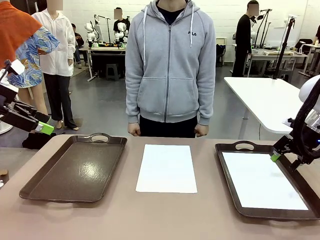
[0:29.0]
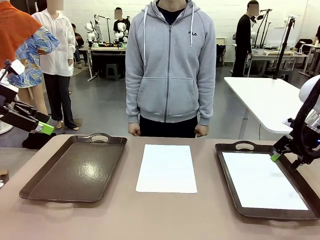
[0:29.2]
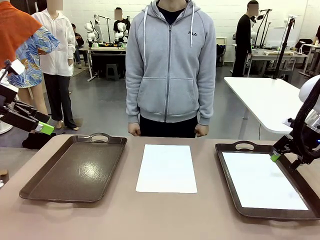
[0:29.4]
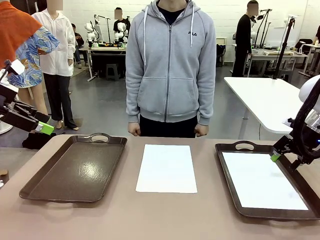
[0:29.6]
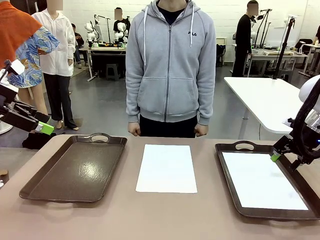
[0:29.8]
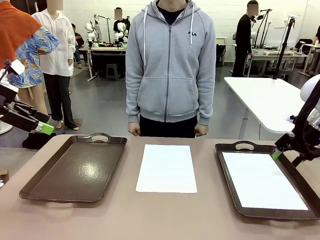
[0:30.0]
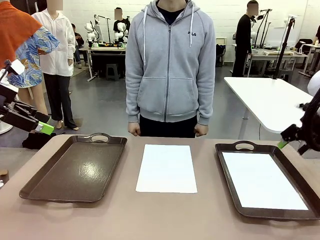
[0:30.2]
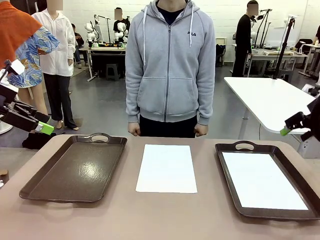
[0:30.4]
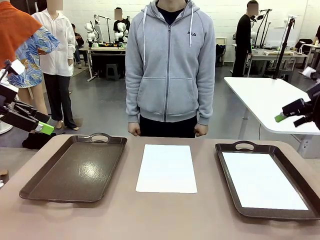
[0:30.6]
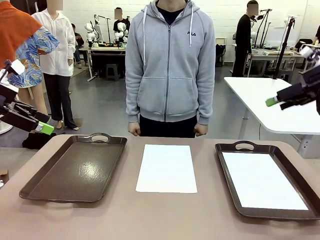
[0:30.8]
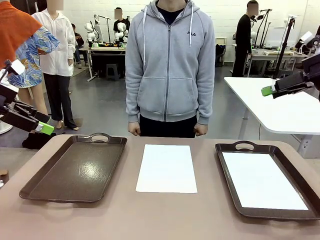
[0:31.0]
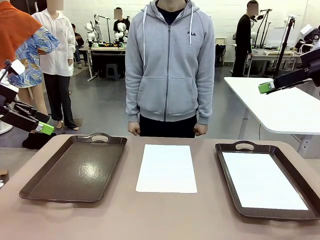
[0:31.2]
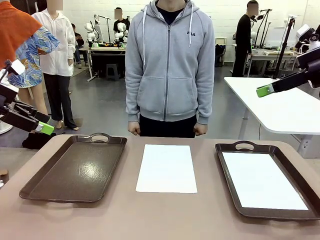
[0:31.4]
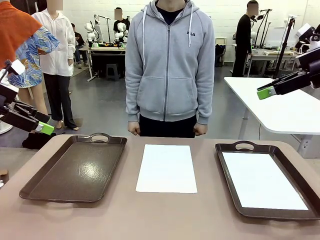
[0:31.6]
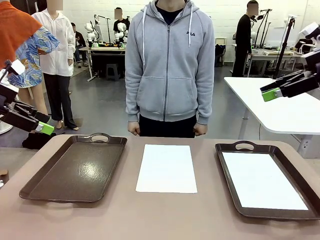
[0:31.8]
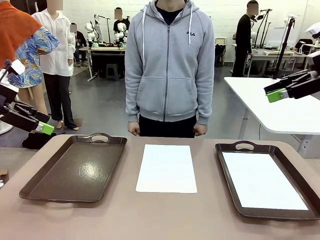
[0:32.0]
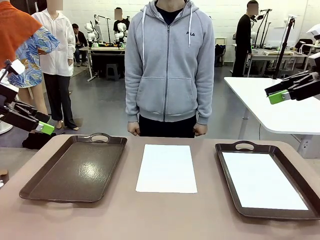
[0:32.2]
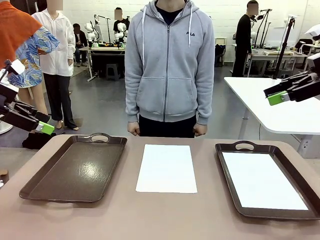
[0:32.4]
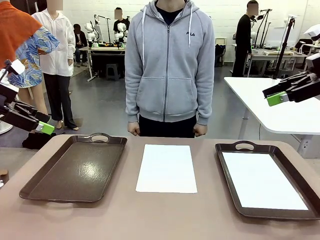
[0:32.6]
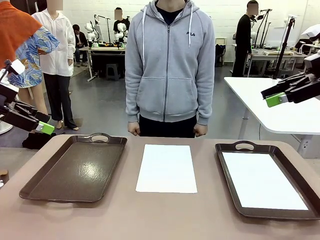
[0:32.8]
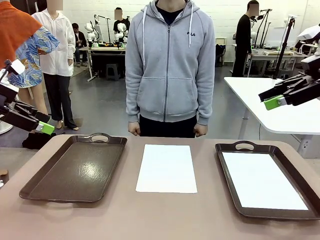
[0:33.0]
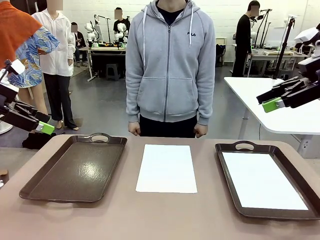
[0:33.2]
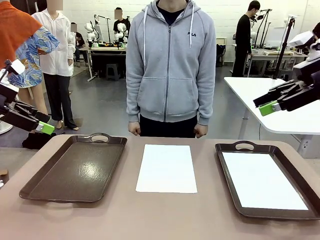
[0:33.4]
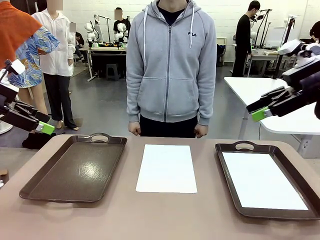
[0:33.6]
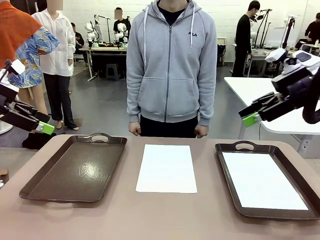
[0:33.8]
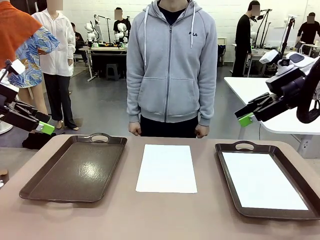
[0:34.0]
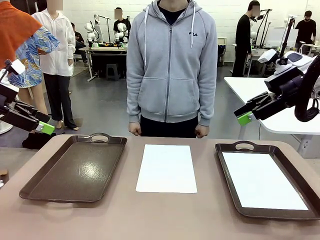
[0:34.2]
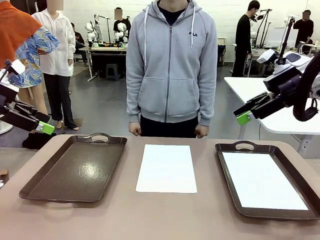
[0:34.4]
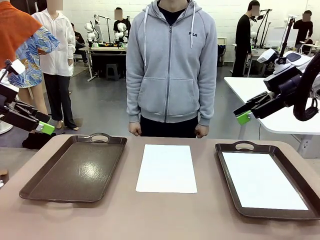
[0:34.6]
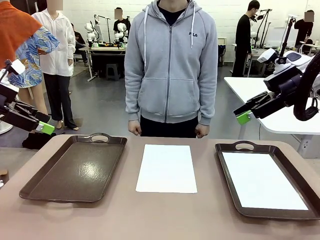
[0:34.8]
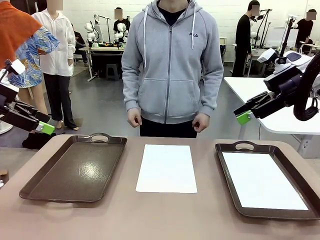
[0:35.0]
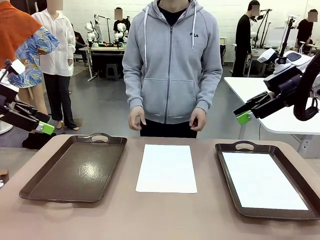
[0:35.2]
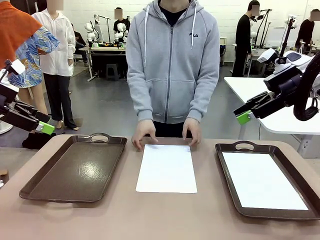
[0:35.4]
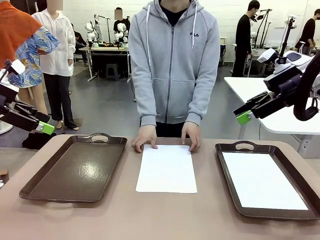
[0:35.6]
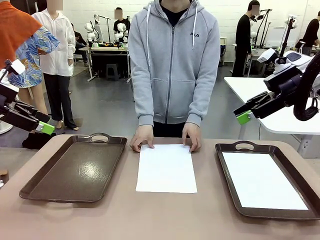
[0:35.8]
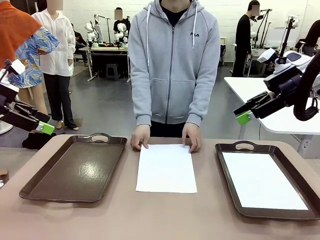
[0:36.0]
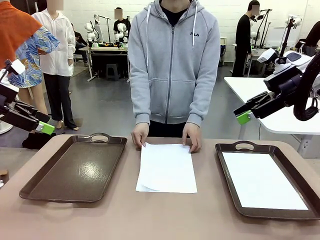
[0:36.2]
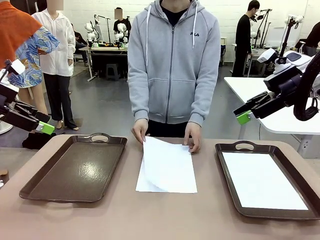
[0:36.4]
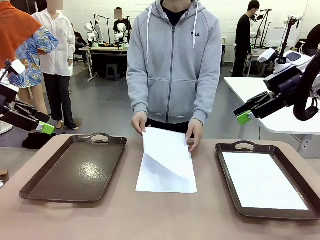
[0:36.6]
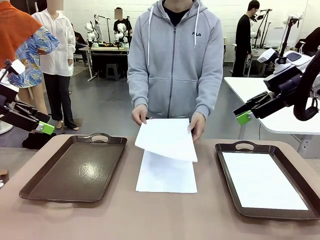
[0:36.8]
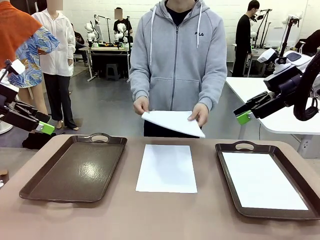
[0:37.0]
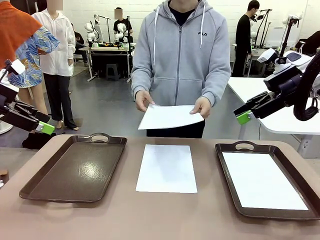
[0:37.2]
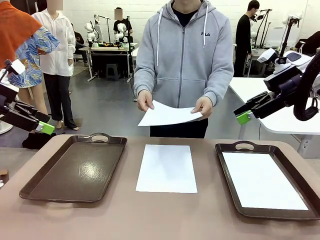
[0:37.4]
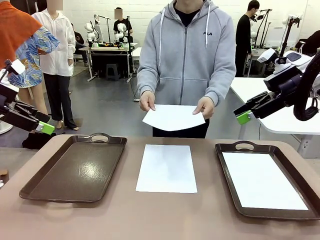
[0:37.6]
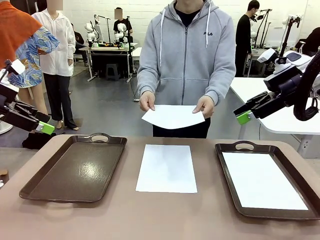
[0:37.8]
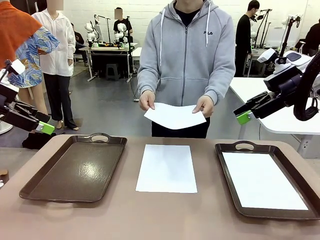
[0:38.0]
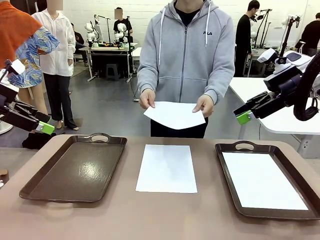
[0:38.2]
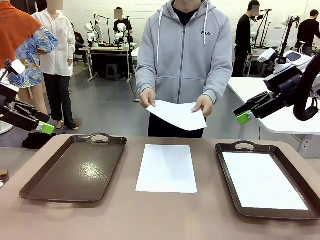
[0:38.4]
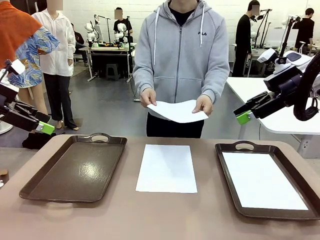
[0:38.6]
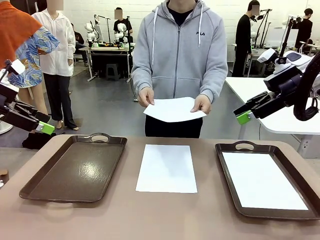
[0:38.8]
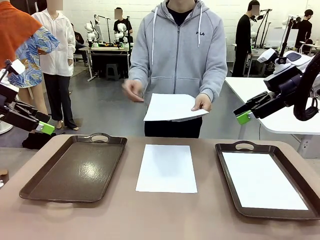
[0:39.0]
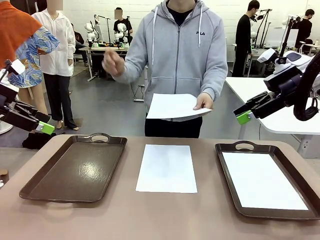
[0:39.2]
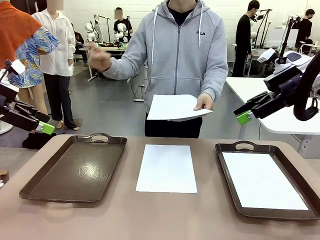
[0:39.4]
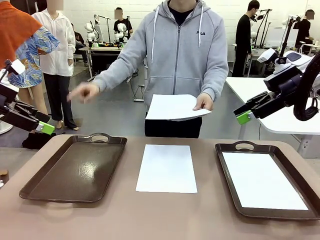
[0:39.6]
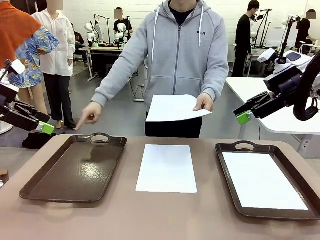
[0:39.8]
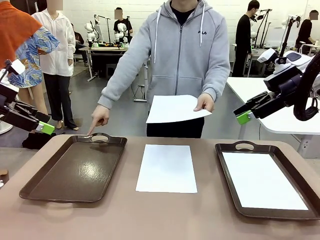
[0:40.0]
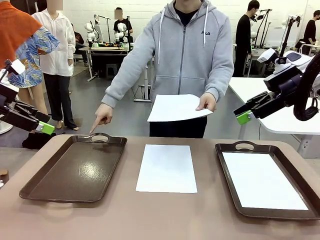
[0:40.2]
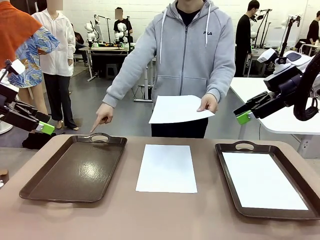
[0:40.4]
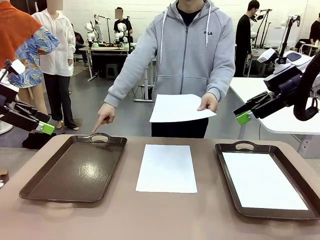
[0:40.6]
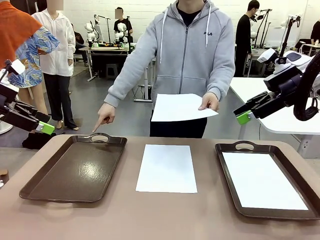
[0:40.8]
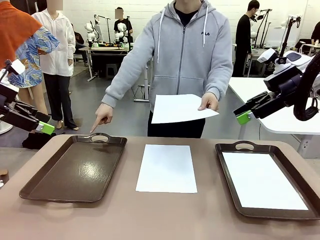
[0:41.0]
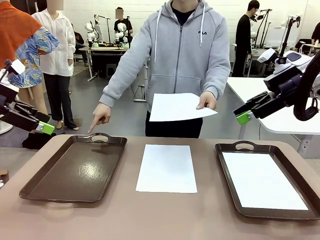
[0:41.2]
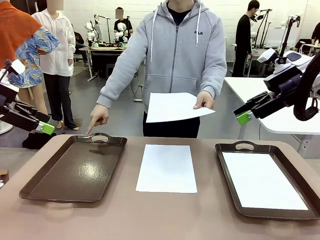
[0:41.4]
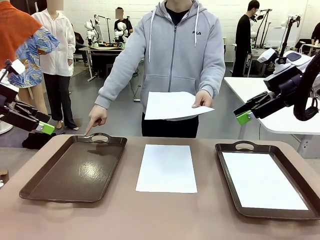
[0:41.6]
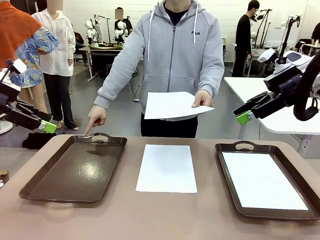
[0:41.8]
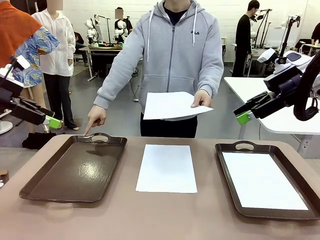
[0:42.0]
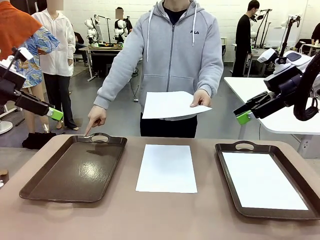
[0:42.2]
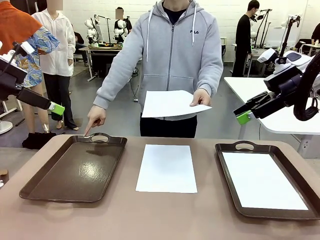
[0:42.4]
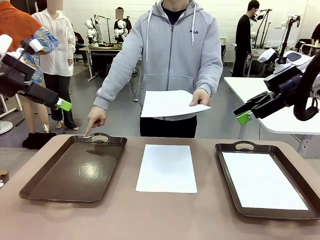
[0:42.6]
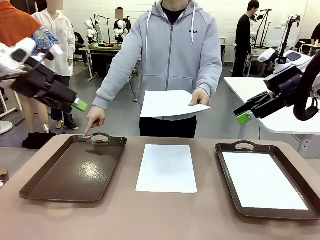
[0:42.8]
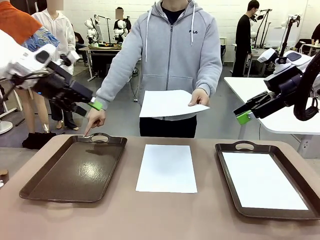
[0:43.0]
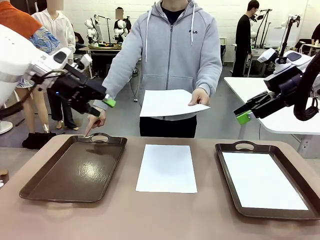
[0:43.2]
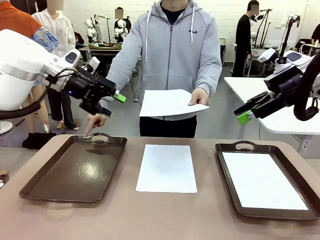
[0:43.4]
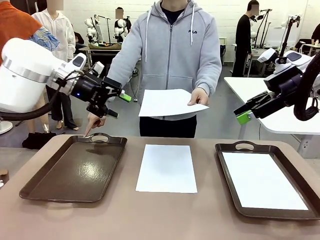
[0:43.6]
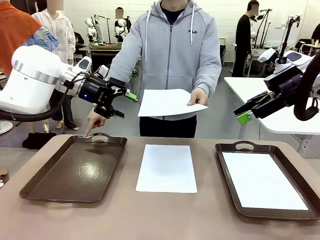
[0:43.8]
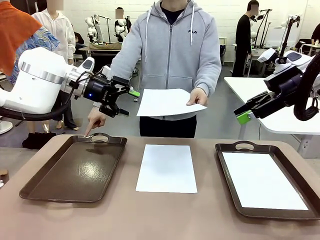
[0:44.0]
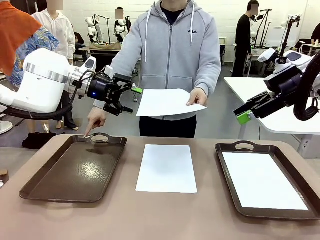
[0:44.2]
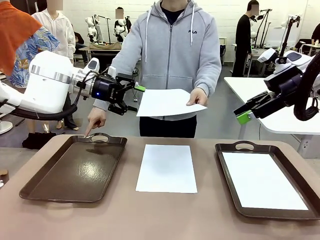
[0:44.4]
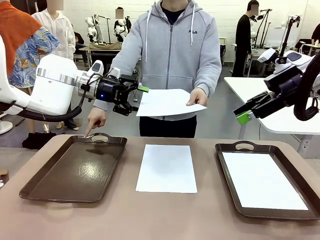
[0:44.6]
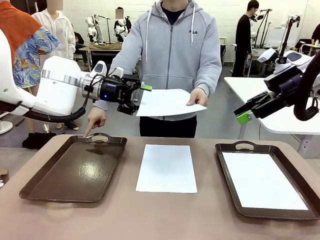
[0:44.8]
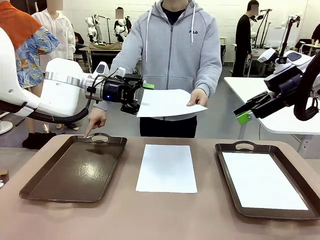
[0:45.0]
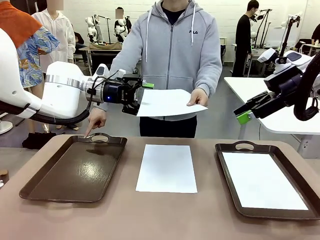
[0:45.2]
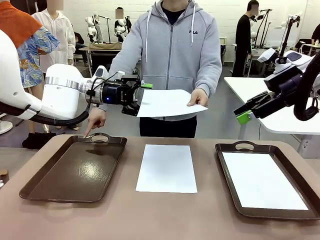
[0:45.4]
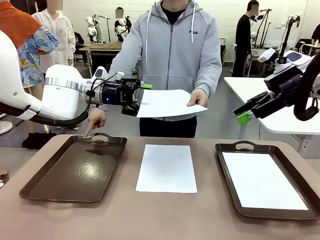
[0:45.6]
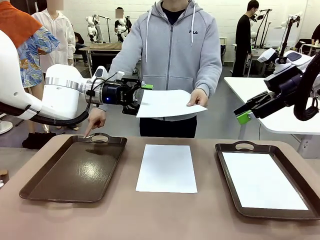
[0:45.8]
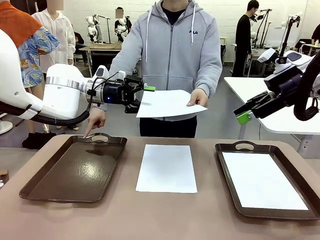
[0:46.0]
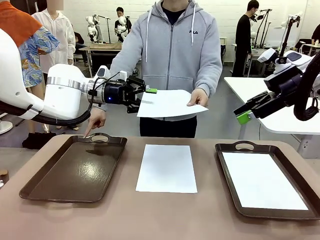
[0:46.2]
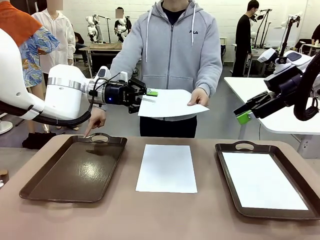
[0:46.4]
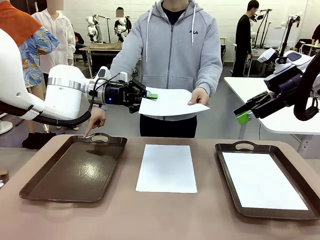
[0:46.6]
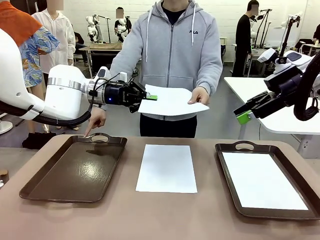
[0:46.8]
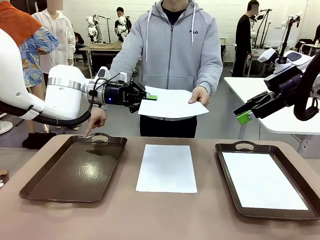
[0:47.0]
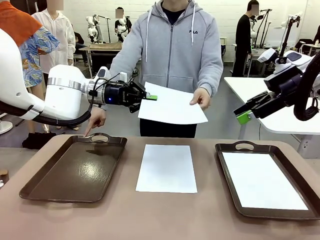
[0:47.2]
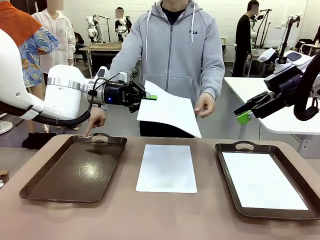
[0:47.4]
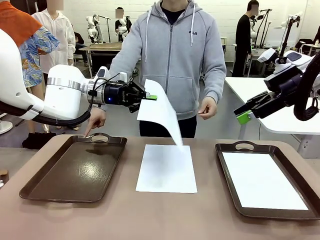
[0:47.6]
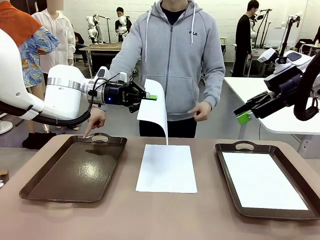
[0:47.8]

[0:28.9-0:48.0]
Task: Sort the A4 documents.
Robot: Receive the A4 Paper.
Person: Point the randomly selected tray with the other hand.

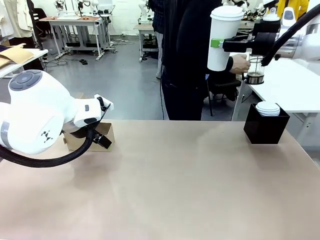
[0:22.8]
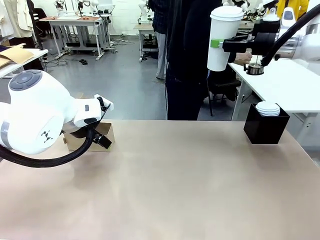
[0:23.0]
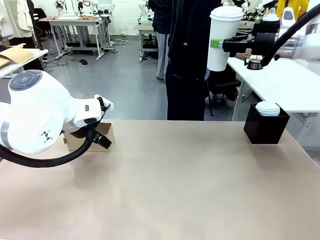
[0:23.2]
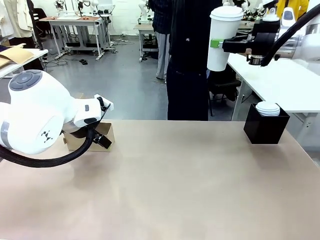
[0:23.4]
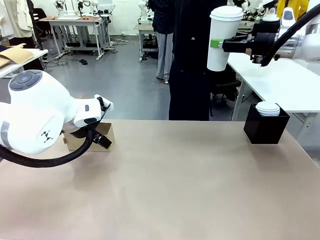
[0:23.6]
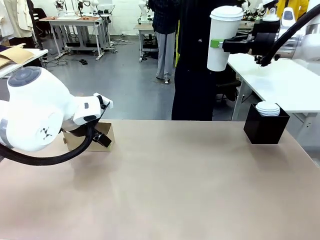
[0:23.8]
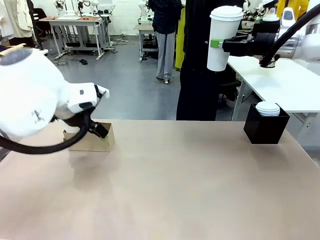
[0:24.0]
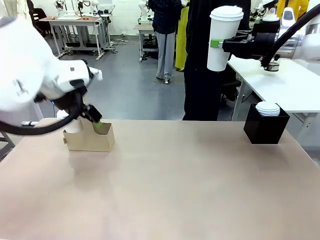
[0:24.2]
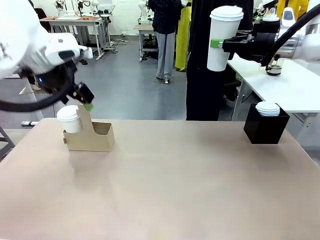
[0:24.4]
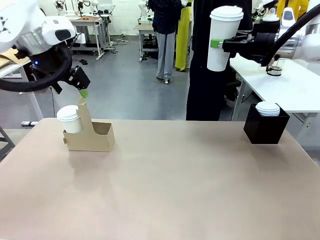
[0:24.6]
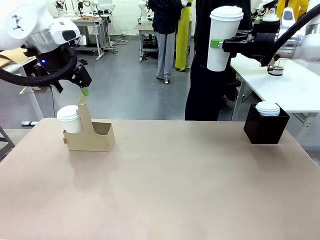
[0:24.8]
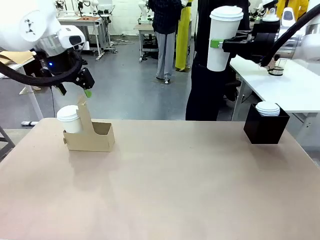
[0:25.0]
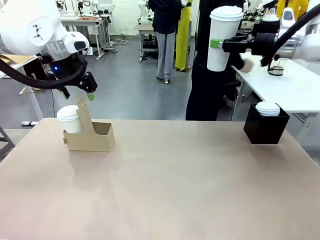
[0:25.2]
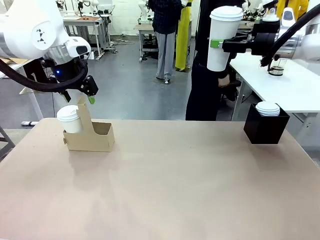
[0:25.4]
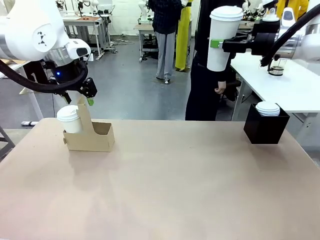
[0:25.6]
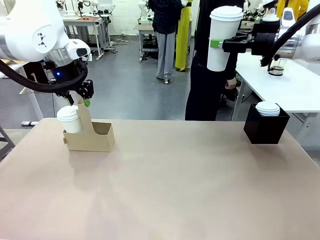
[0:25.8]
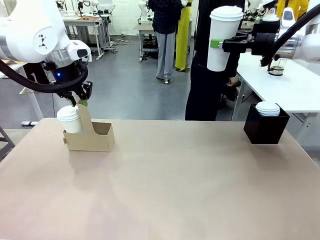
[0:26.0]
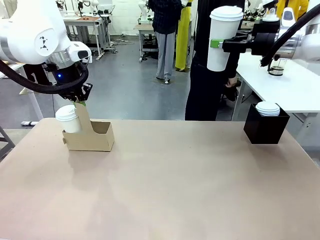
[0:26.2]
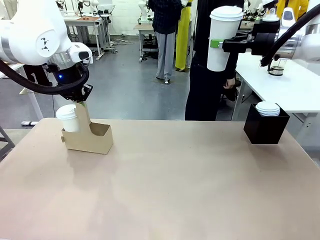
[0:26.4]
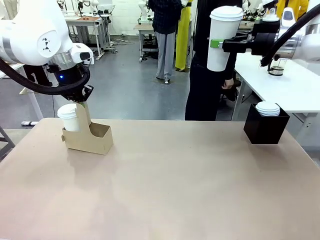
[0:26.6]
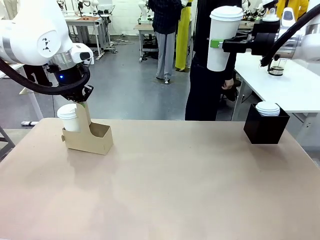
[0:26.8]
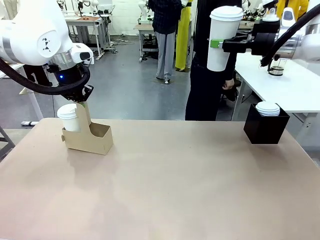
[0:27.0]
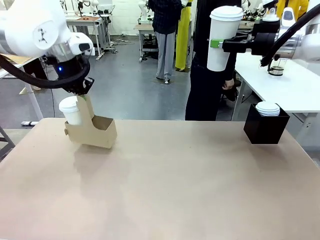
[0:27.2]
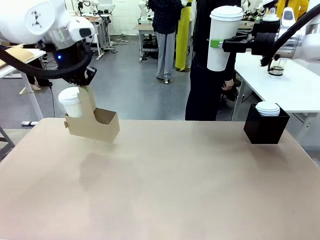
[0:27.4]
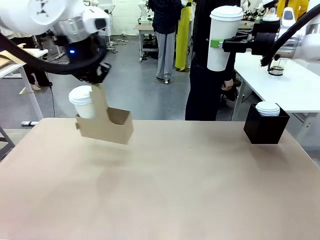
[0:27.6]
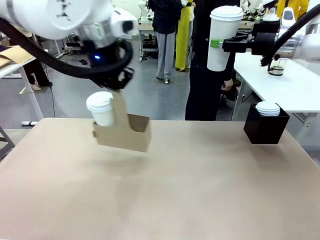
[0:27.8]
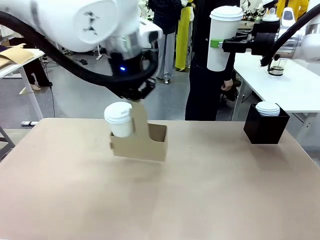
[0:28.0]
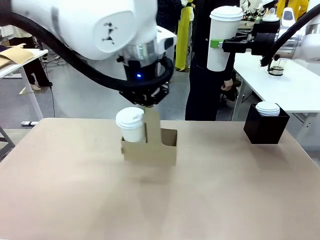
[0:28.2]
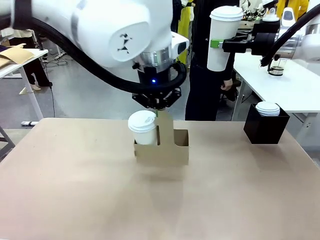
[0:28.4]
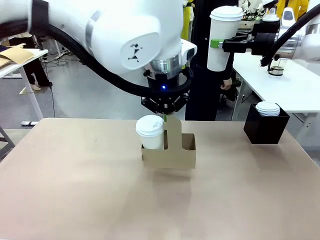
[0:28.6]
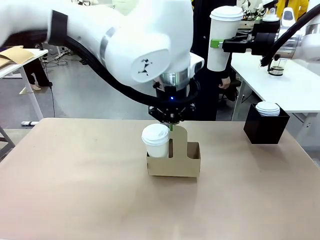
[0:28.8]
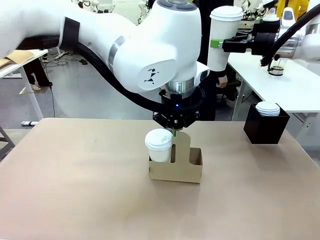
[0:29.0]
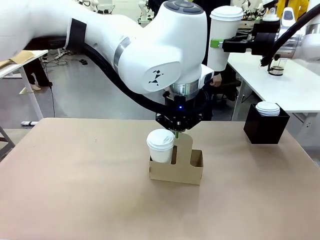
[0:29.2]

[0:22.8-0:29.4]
Task: Pour a drink into a cup and package it in a carrier.
Robot: Position the Cup Carrier in the center of the table.
